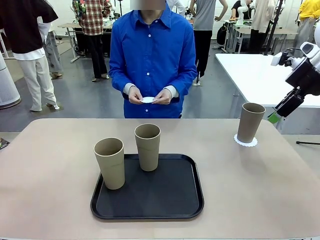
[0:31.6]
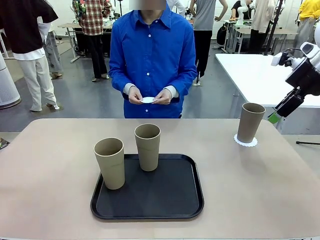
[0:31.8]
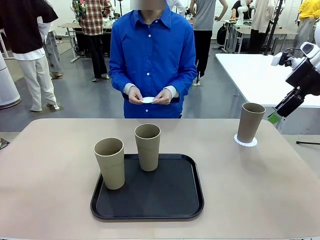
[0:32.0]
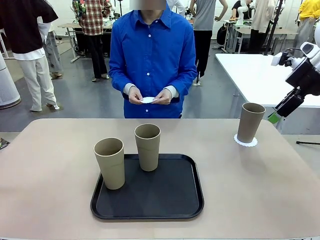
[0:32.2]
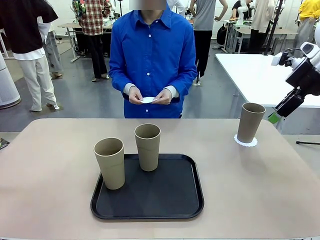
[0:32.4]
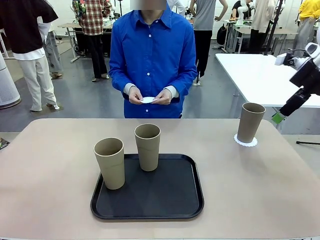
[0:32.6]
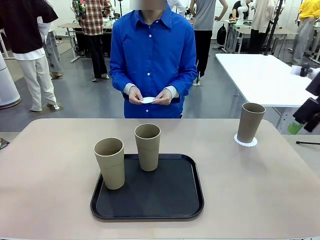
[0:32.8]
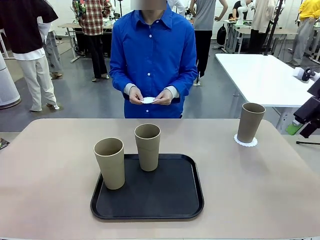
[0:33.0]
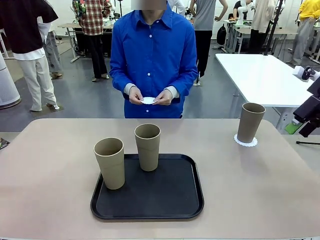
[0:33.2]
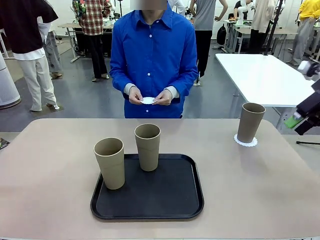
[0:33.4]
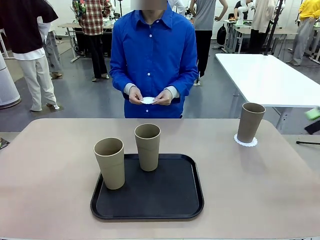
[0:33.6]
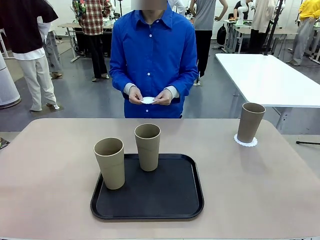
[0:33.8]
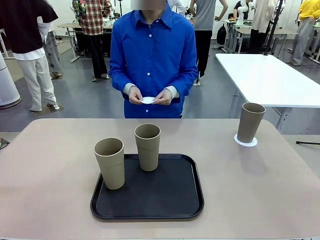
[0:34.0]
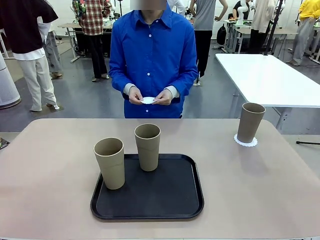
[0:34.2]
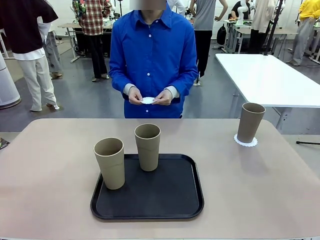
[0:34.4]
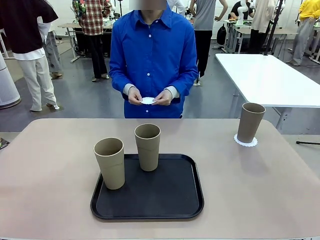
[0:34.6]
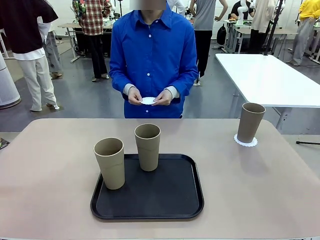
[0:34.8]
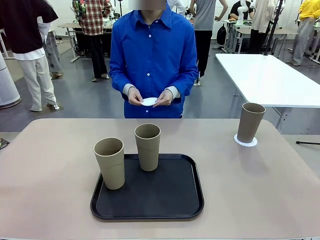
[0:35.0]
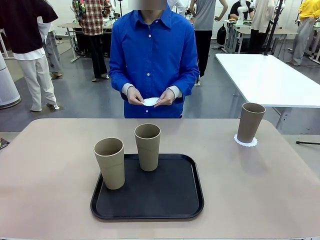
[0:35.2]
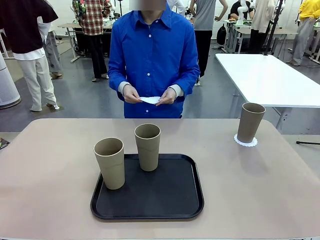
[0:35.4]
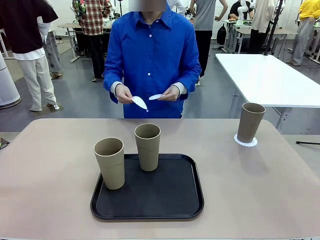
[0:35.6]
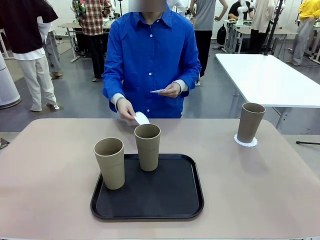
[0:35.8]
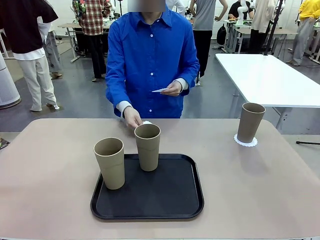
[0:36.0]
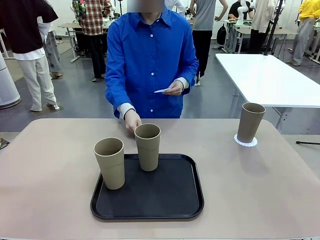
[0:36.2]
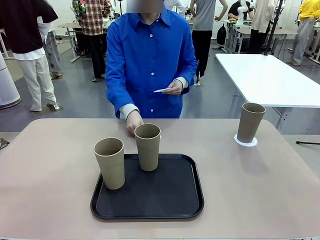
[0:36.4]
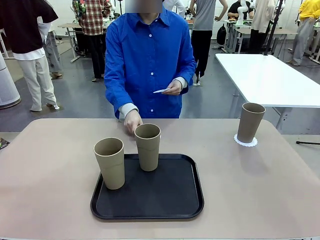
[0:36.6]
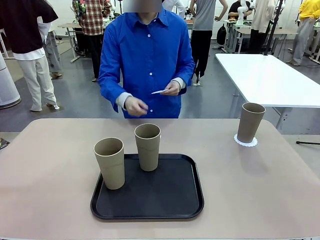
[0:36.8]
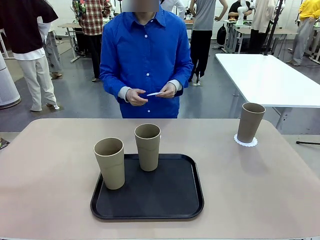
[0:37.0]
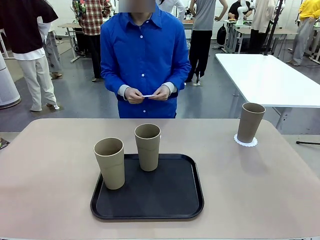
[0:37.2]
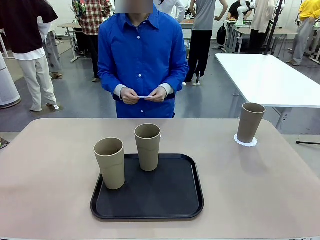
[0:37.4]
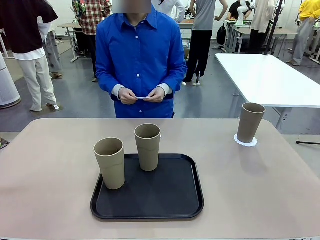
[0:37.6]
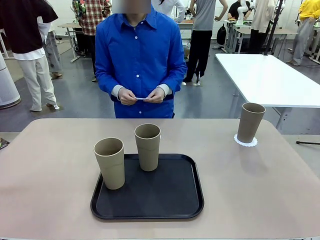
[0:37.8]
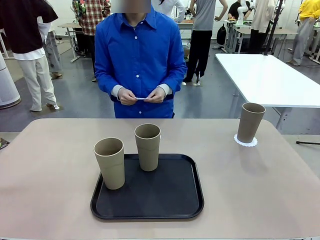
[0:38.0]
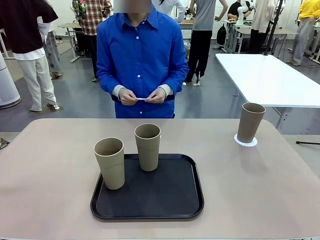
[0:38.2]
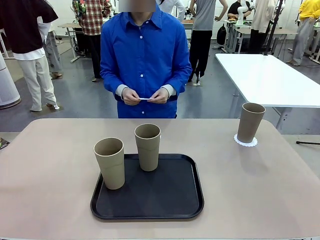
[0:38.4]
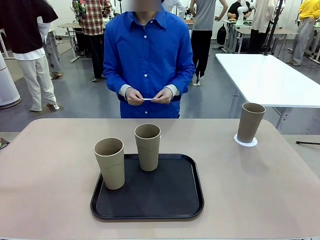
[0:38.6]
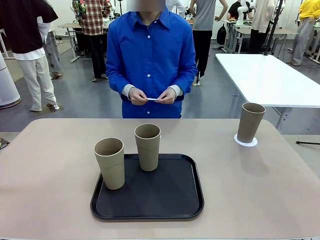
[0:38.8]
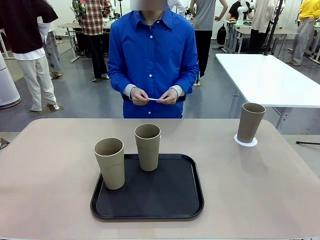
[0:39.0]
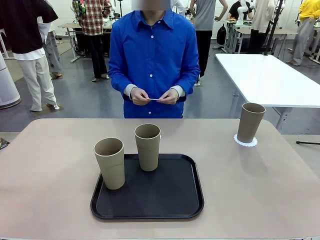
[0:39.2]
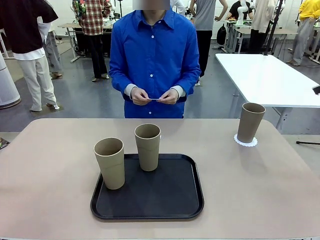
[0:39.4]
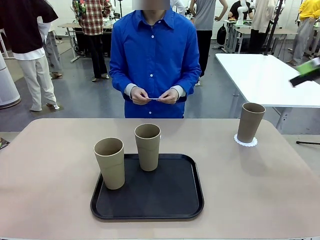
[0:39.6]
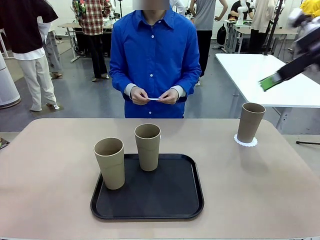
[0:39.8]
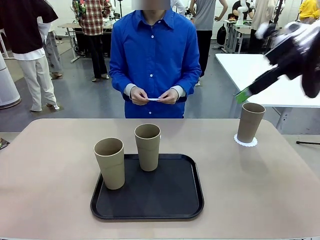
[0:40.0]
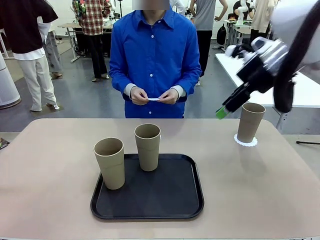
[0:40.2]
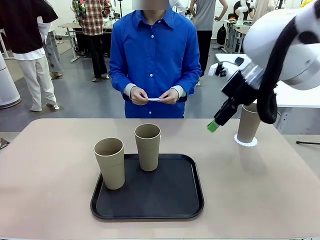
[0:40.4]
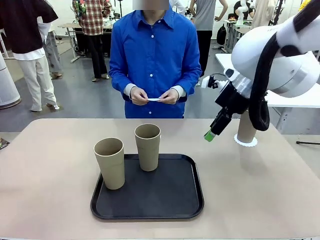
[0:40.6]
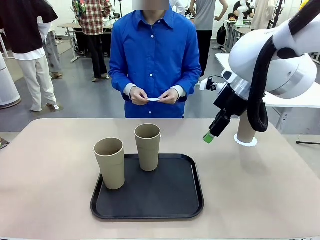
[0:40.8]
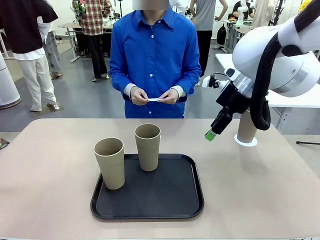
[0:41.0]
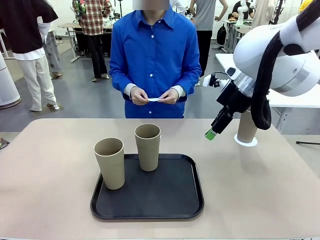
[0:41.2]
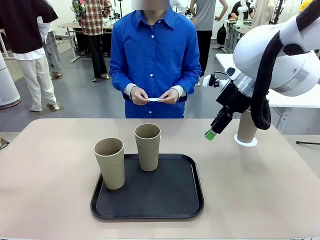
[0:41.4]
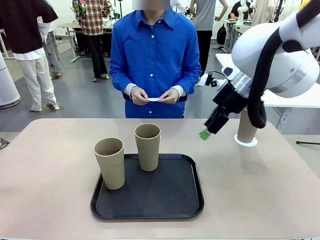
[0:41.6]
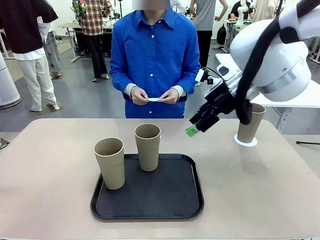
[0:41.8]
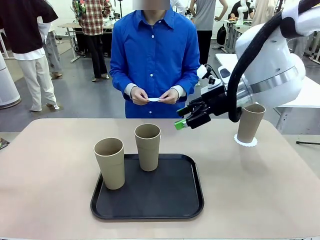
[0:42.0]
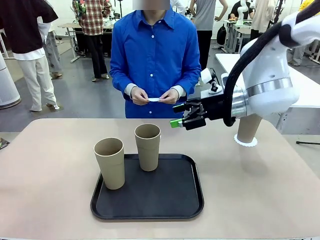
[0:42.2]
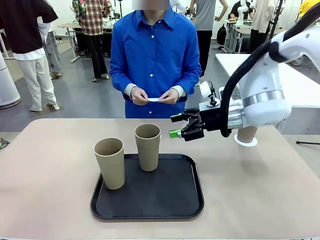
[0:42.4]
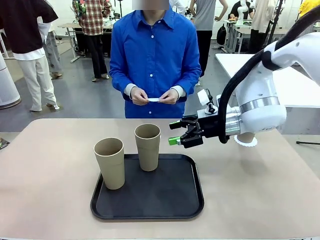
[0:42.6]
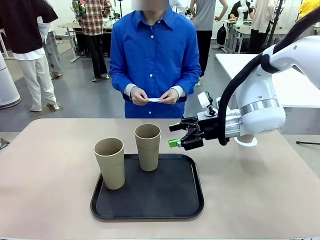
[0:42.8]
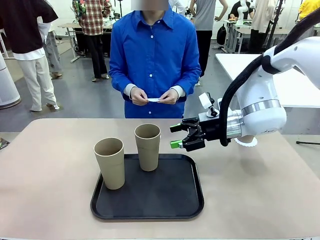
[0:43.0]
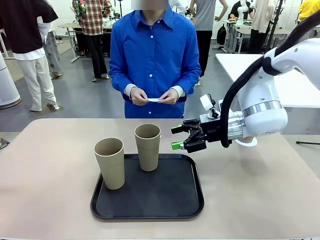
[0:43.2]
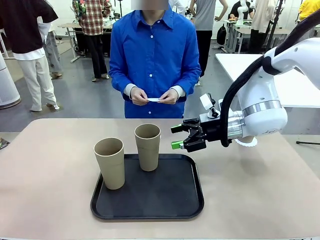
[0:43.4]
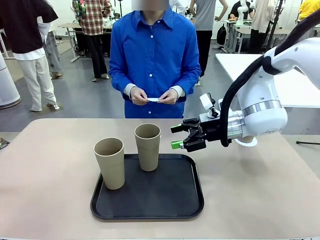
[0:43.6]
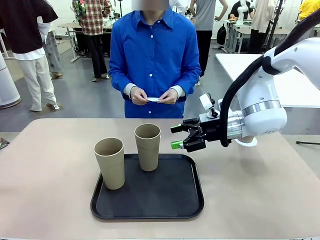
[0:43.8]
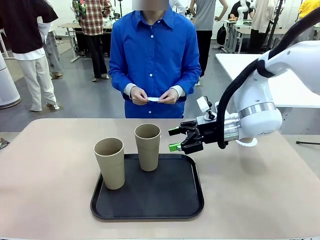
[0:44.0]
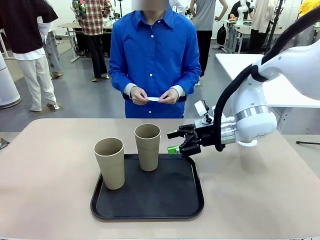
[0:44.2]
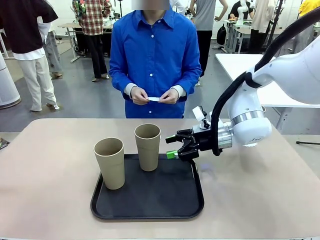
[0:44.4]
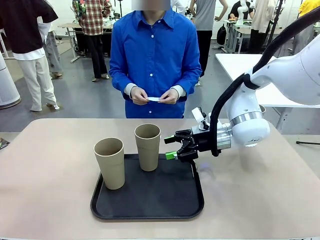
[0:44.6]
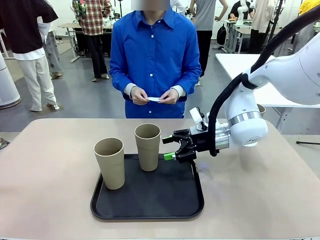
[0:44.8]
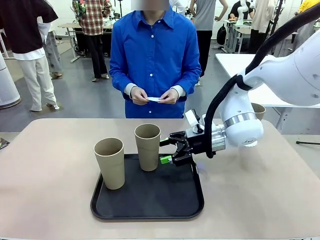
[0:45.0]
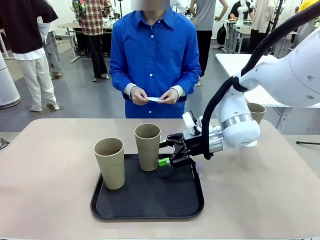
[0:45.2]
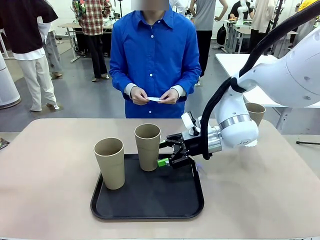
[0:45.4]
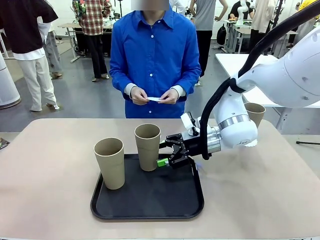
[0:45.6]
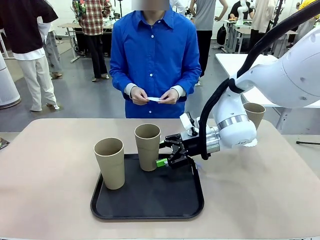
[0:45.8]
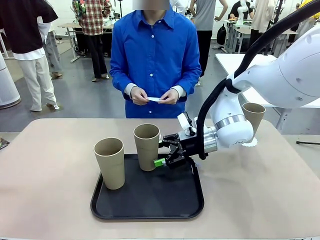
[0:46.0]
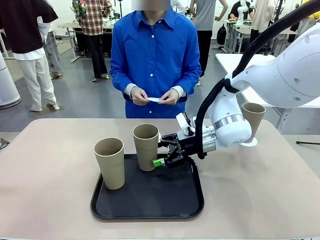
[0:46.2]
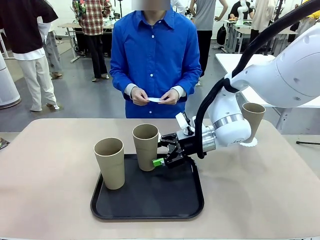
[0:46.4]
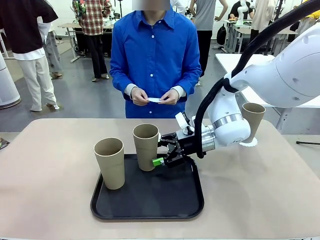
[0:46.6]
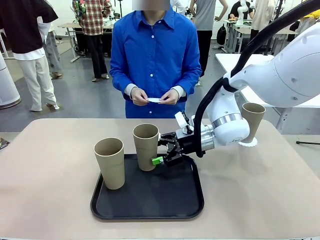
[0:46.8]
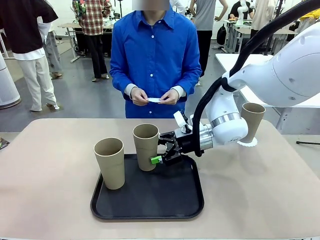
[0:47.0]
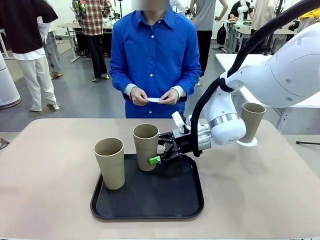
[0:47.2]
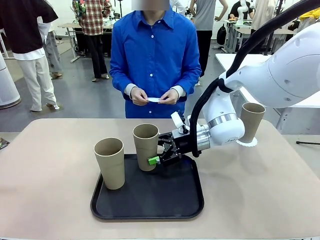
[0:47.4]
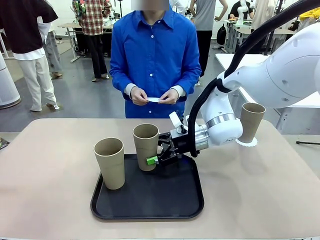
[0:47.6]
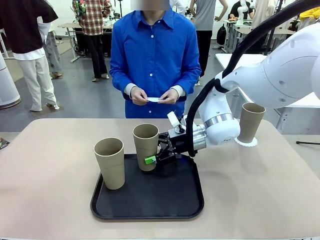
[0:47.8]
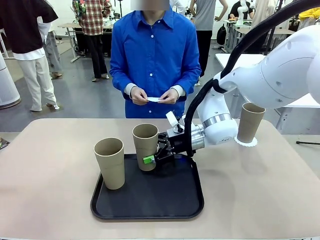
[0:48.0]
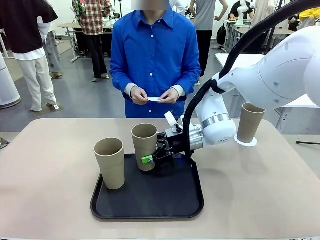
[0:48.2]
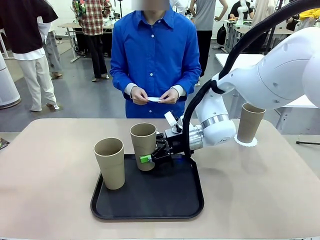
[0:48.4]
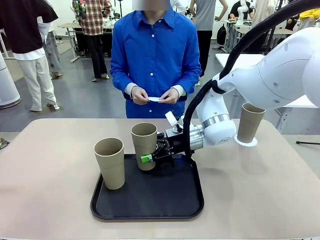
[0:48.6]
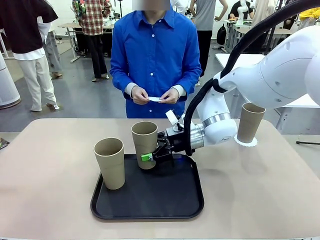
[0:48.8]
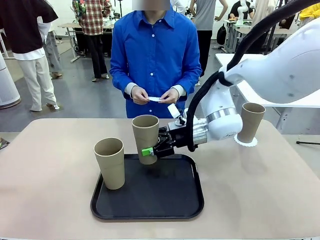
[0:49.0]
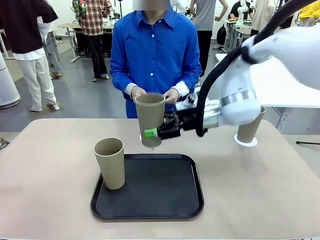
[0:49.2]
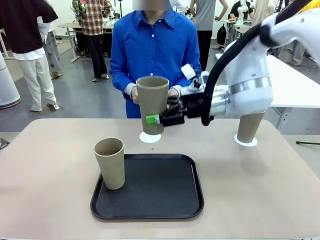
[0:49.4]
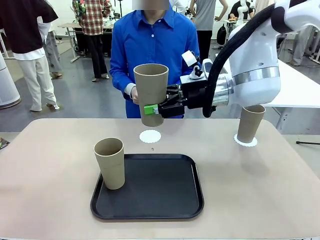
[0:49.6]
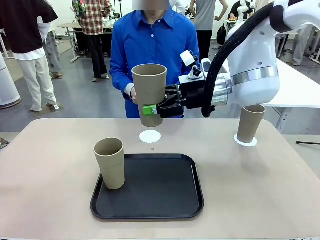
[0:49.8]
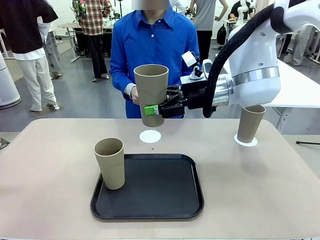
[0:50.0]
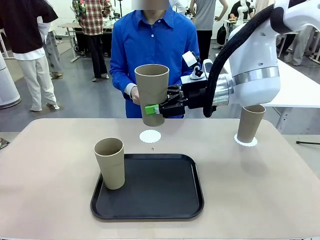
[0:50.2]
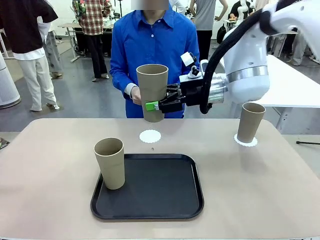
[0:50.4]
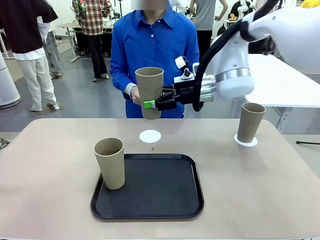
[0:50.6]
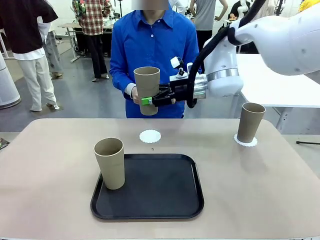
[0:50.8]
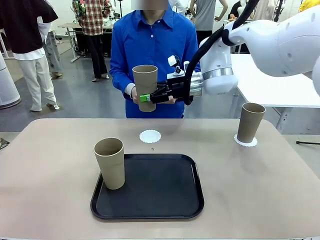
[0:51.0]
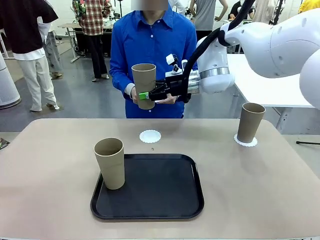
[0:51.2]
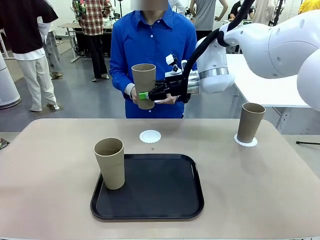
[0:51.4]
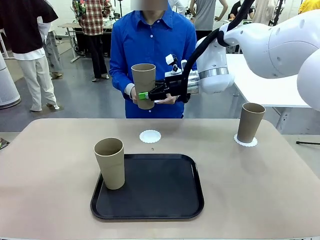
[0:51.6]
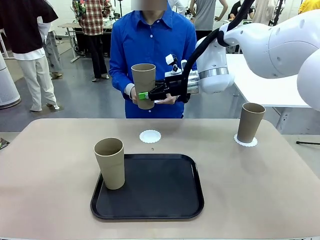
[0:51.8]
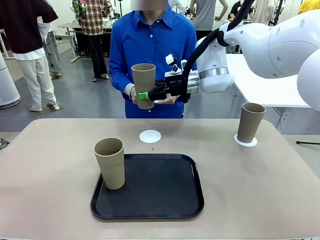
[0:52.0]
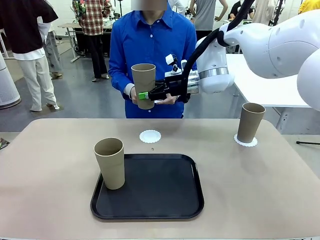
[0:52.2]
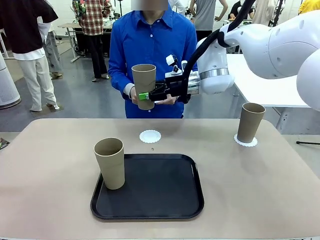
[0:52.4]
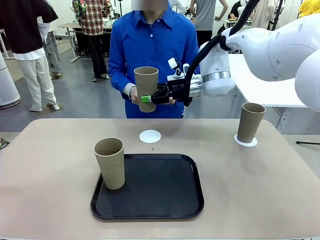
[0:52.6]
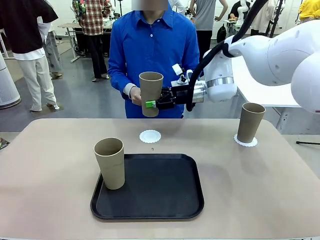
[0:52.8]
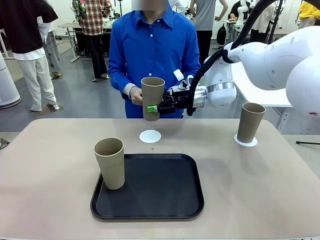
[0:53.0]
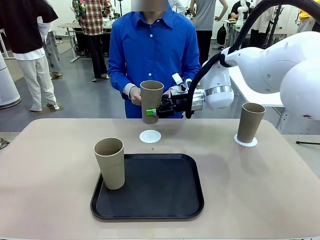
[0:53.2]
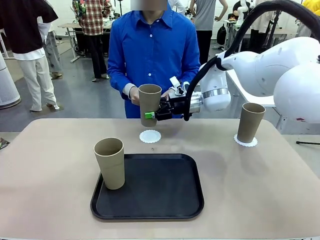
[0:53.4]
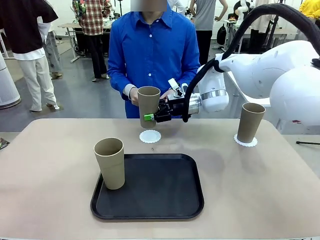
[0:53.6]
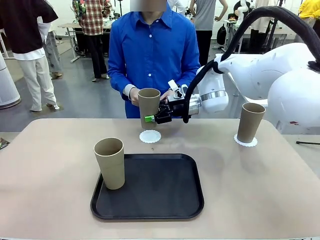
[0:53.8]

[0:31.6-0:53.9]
Task: Place coasters on the table and set cups on them.
Robot: Take one Reusable plastic cup from the Flat Tray and place it on a coaster set by the human.
